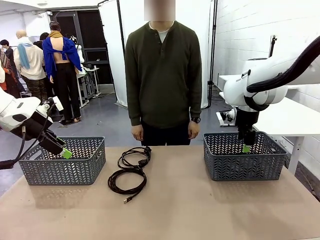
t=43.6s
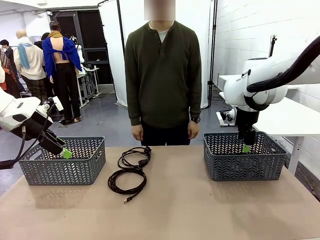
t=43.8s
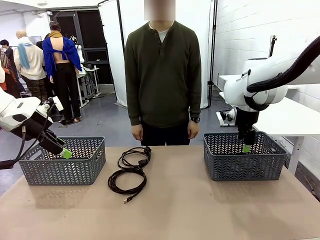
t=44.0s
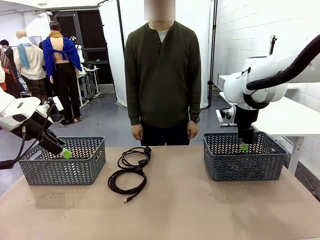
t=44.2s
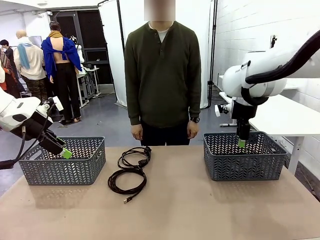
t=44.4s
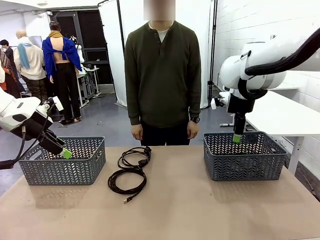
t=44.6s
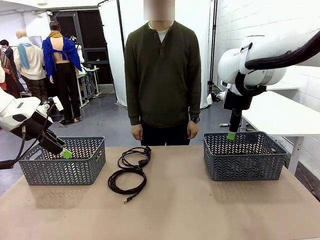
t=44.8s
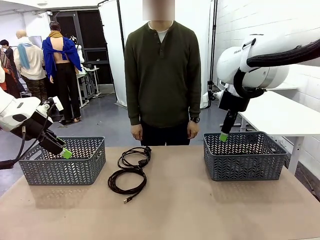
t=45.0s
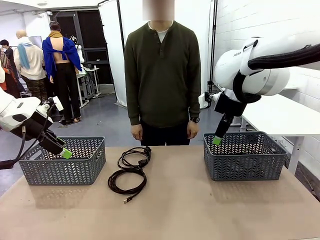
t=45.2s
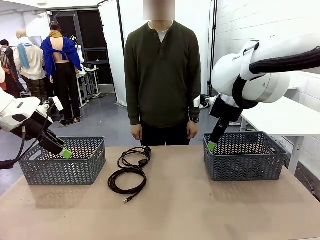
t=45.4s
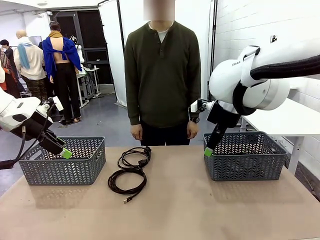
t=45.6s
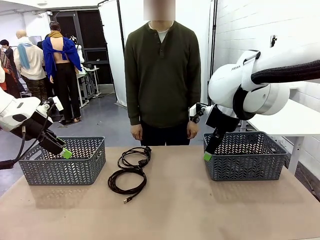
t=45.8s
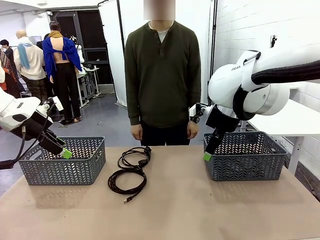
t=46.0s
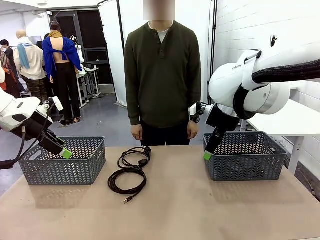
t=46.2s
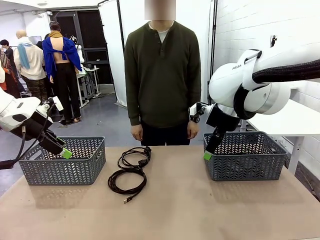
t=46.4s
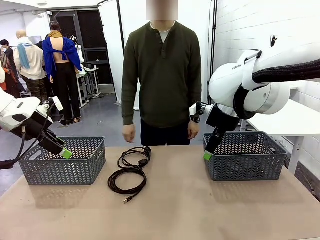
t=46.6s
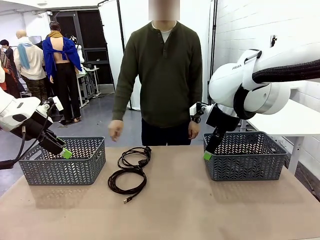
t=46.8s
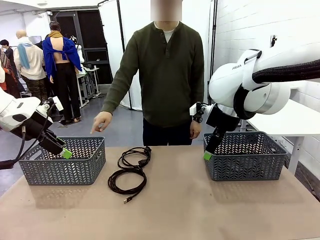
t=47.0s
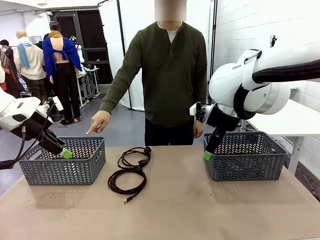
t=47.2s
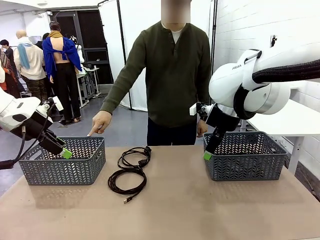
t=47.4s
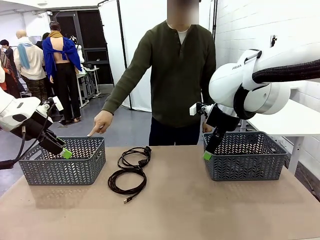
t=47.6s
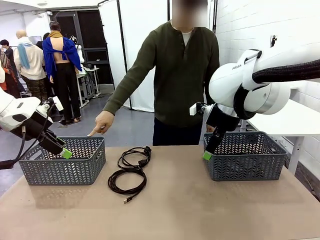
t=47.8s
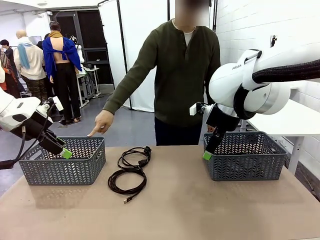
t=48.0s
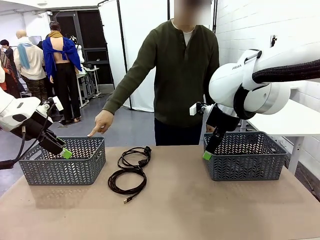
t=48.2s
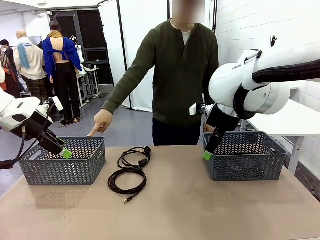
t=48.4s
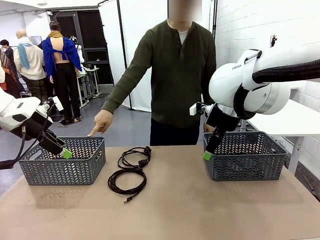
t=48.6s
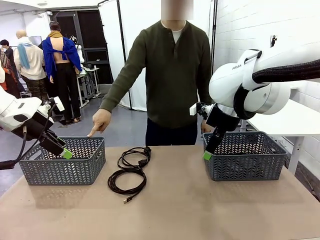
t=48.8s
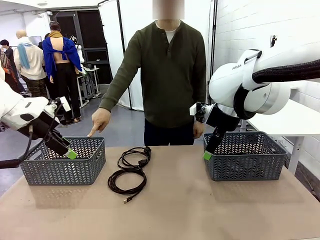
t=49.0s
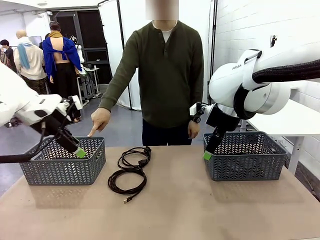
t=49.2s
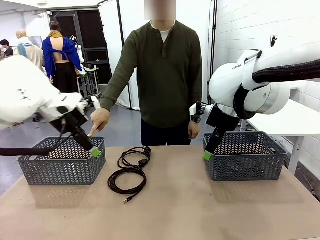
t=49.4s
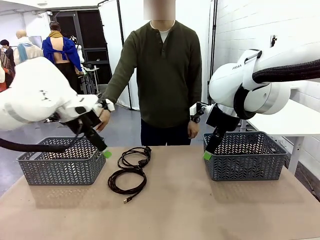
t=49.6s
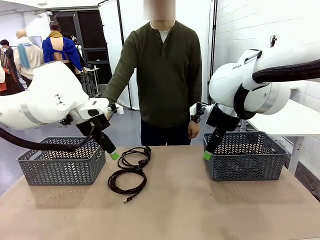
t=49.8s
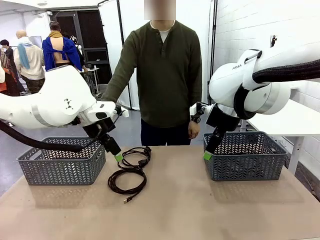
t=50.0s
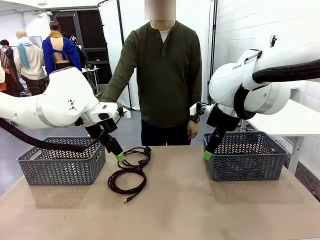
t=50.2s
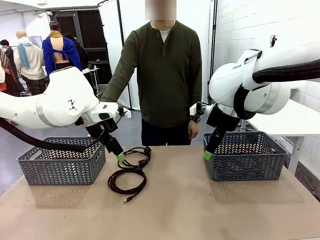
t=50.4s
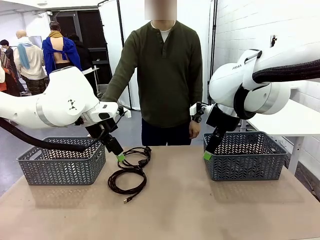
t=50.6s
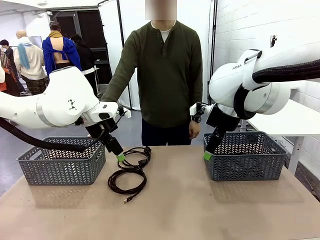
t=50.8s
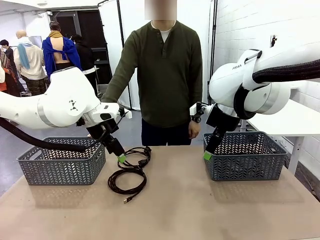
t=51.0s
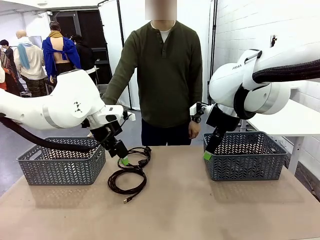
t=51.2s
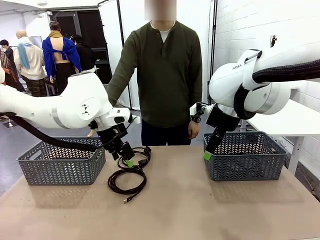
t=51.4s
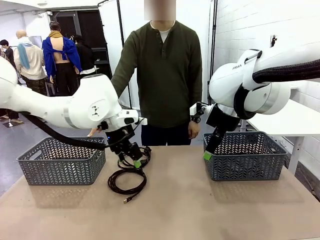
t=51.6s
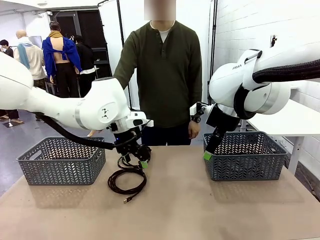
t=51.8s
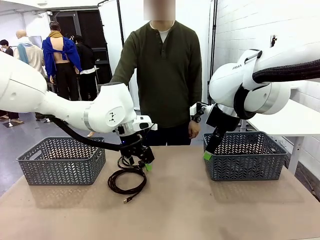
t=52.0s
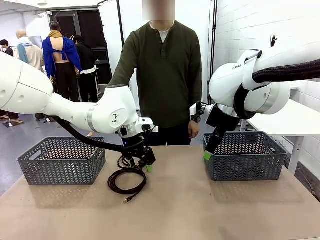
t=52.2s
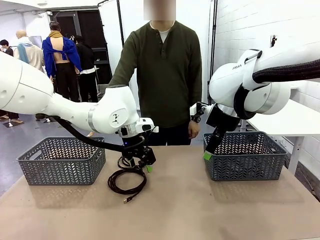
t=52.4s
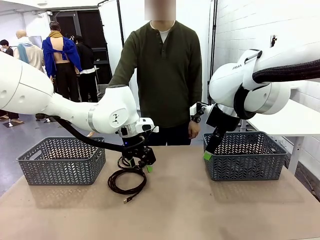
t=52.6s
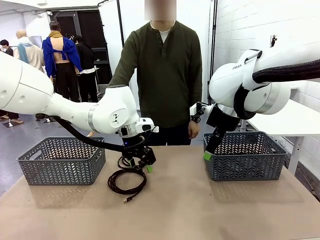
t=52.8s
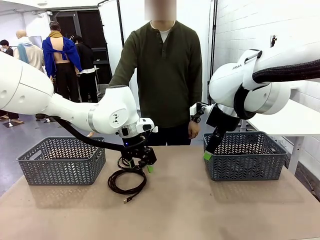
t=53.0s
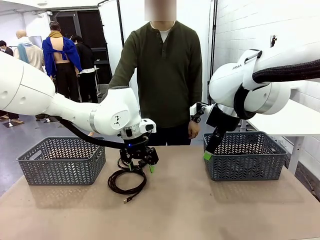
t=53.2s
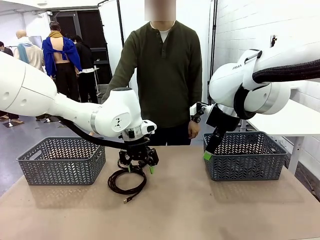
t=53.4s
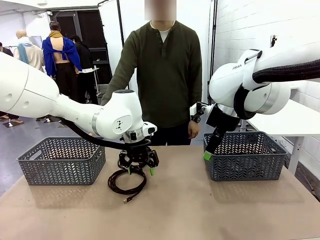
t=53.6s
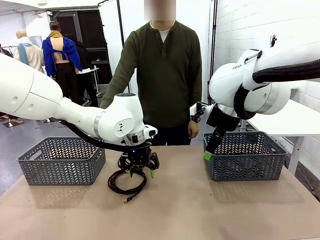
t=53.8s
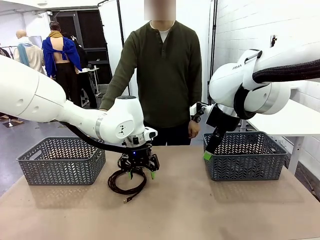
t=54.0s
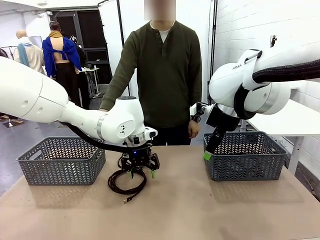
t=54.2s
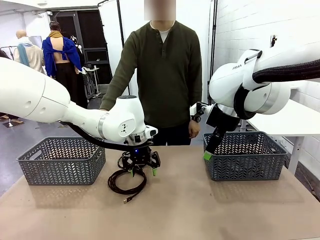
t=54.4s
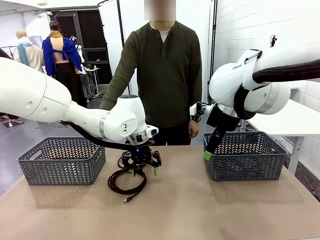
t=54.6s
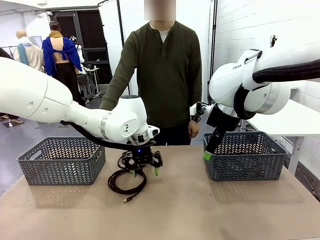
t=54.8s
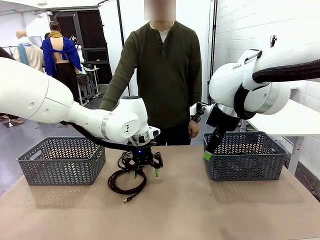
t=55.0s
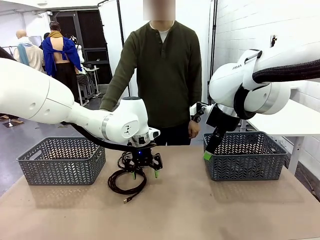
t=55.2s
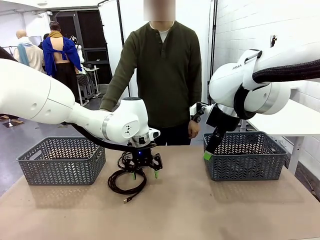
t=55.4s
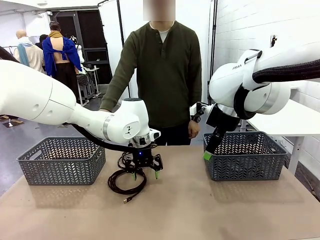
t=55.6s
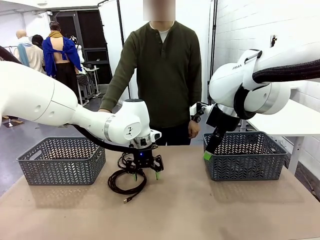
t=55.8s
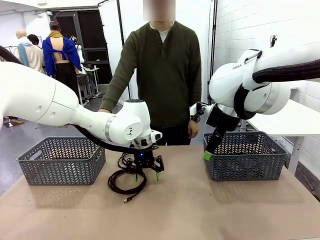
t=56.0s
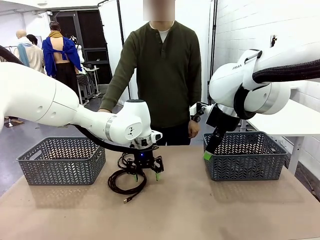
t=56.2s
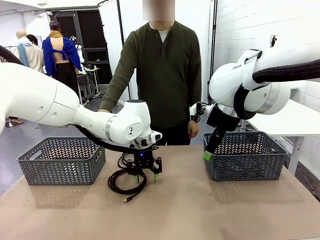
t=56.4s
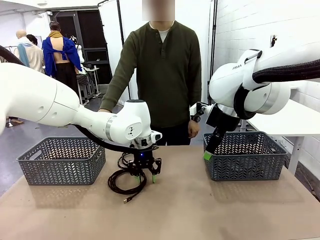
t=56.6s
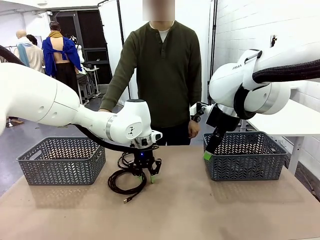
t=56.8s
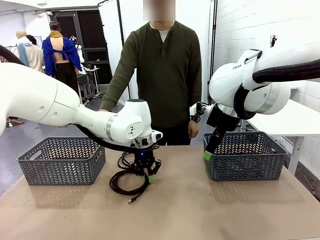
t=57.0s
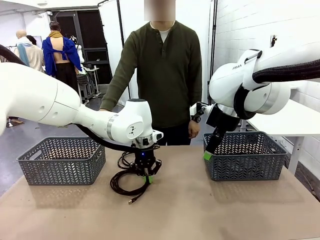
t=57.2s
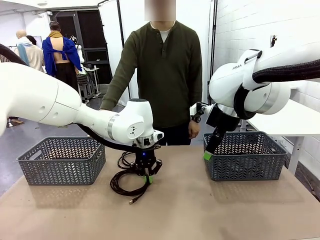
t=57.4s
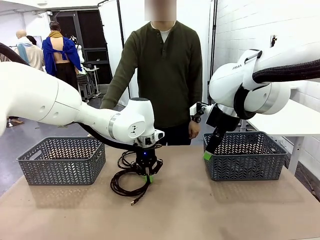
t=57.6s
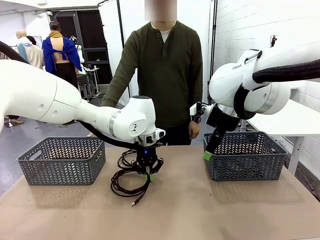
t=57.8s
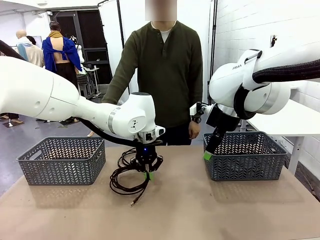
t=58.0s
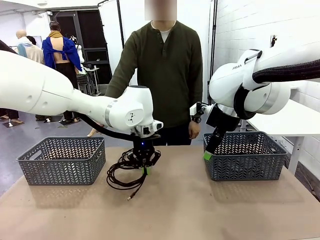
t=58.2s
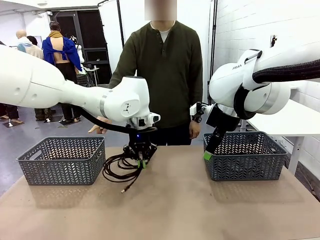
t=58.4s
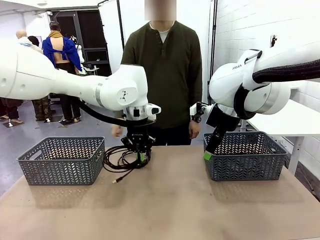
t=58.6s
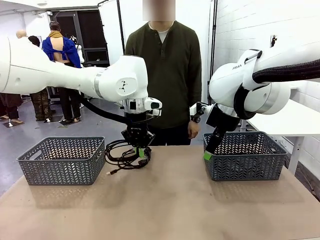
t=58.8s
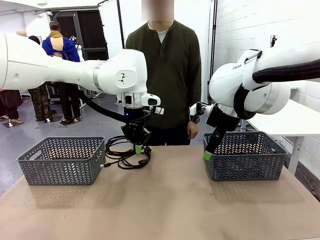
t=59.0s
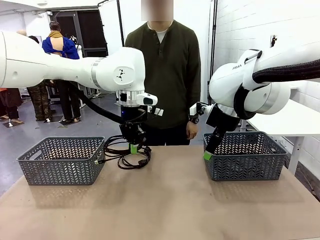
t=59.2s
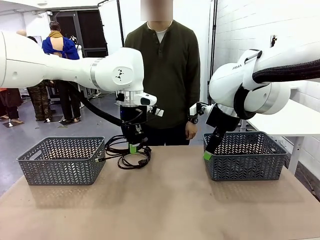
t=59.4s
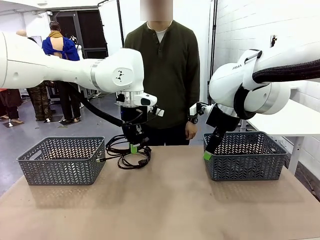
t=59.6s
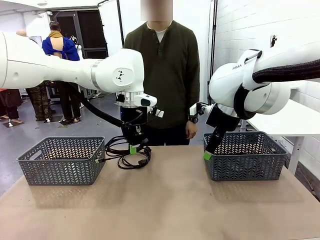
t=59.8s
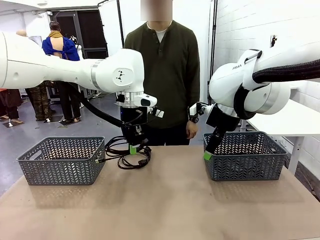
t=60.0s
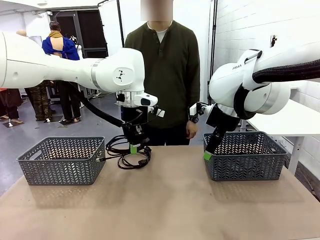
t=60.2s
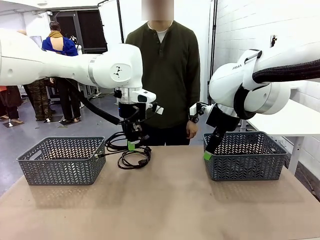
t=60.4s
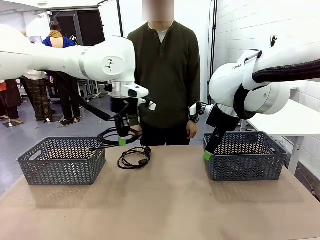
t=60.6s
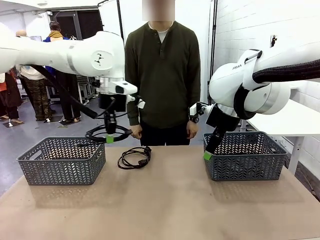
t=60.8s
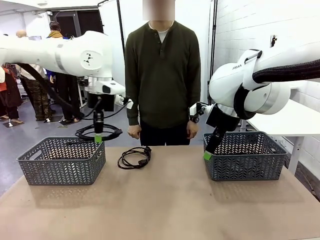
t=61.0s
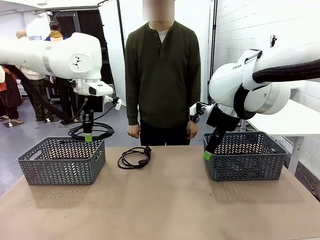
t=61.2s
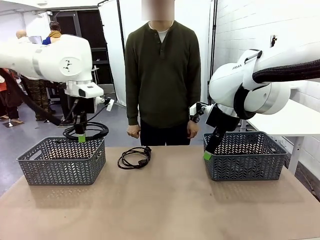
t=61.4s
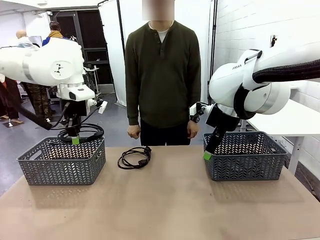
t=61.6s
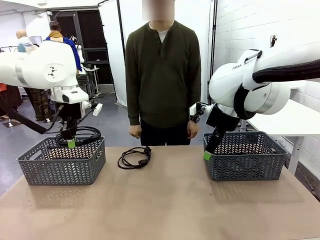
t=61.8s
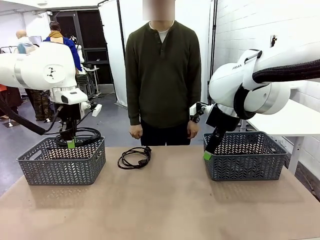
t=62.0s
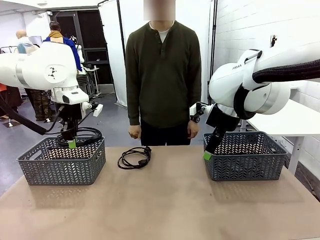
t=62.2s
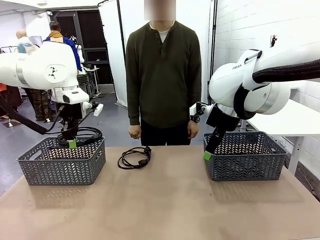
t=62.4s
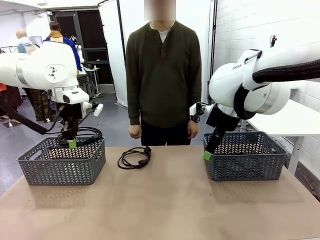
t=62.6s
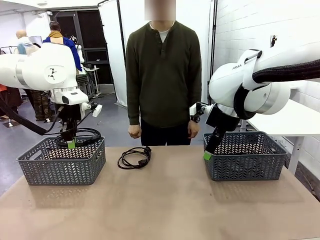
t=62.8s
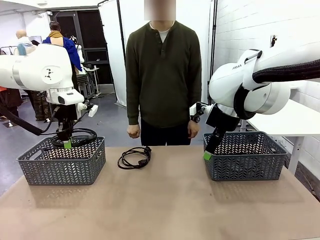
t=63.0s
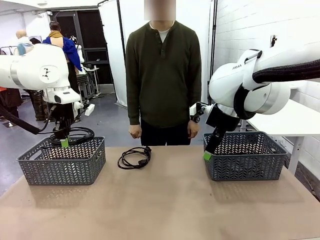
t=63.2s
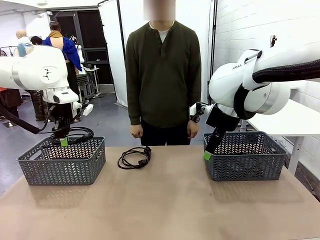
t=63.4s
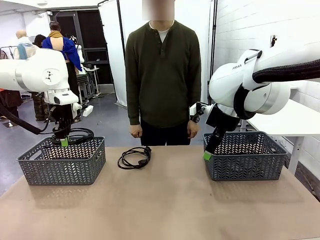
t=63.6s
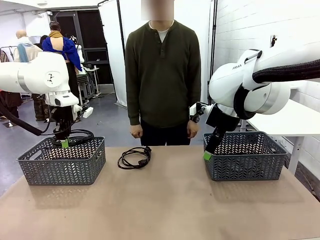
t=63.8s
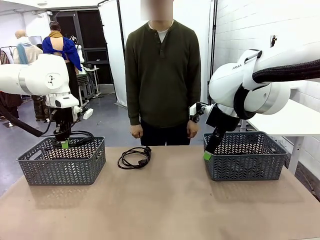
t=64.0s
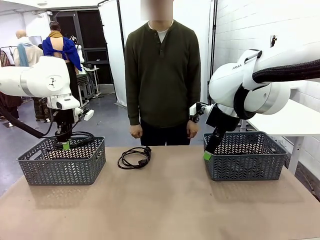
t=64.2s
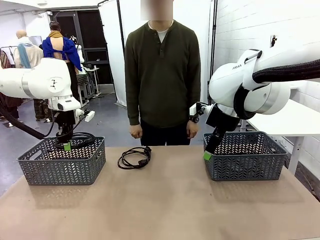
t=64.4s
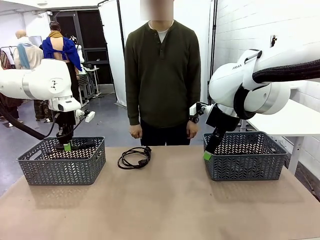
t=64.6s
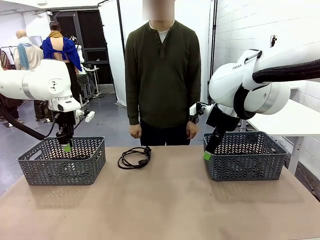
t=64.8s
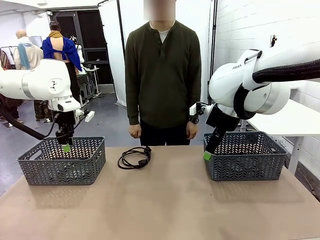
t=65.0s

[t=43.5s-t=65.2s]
Task: Organize the cables according to human instructions.
Robot: Pick up a bundle of cables and place it in the basket indicated by the human.
